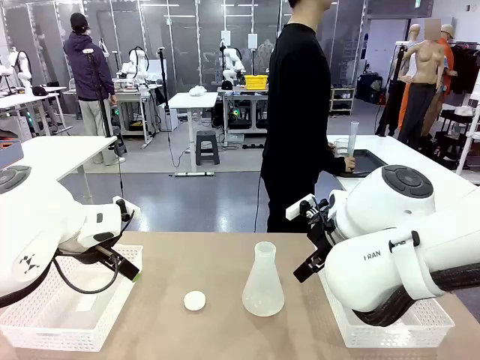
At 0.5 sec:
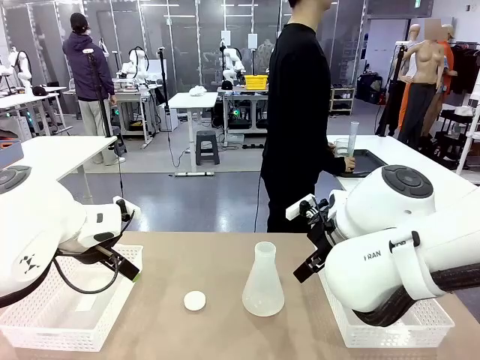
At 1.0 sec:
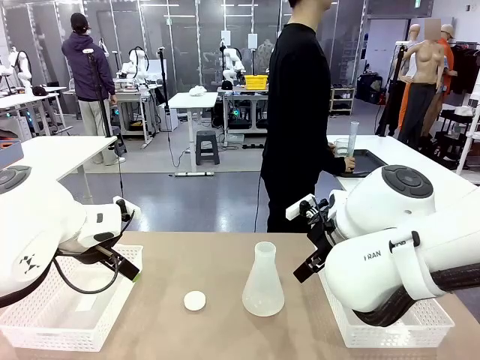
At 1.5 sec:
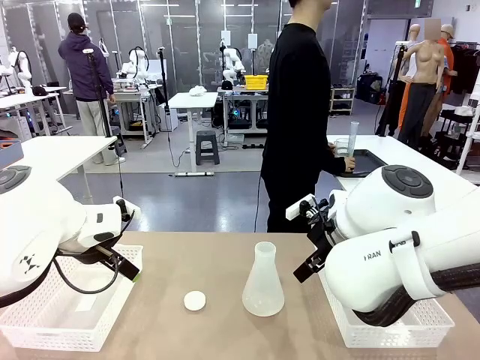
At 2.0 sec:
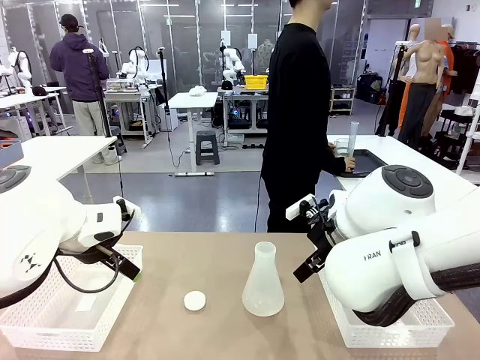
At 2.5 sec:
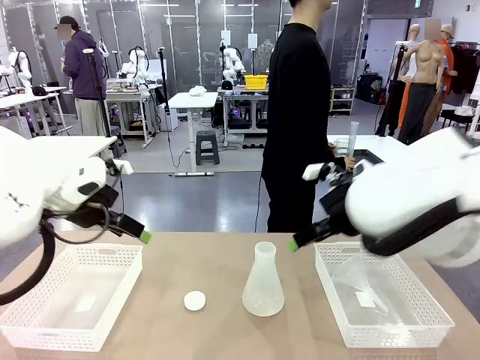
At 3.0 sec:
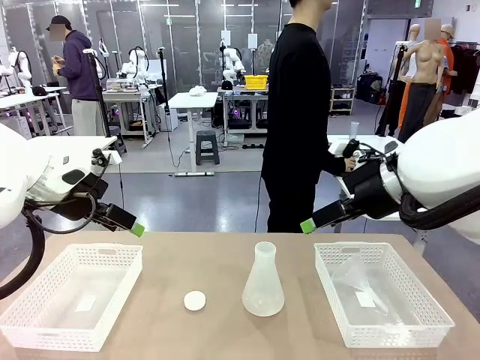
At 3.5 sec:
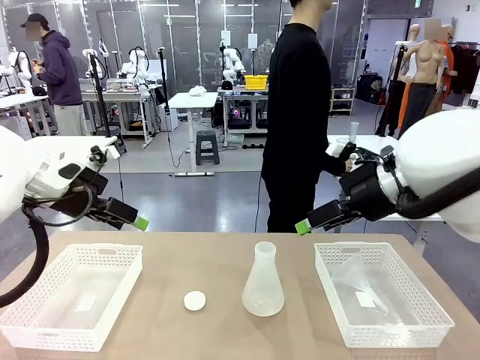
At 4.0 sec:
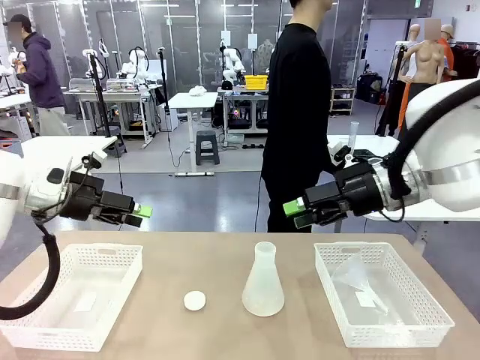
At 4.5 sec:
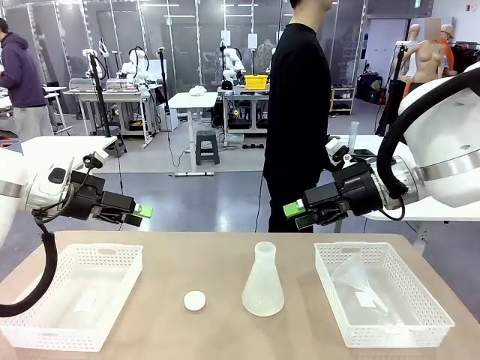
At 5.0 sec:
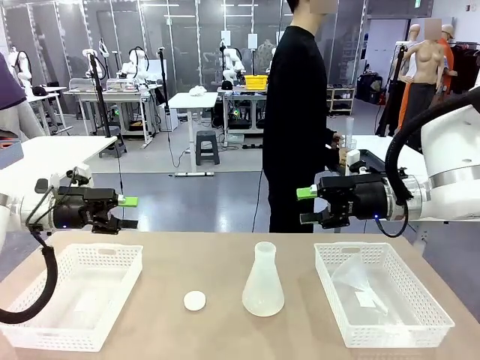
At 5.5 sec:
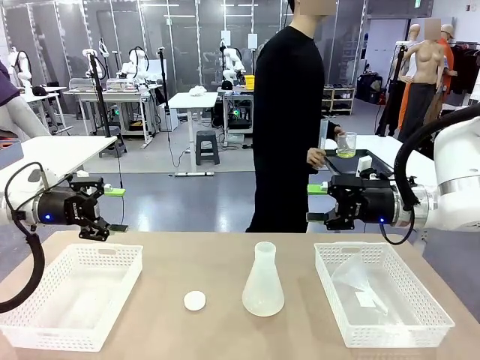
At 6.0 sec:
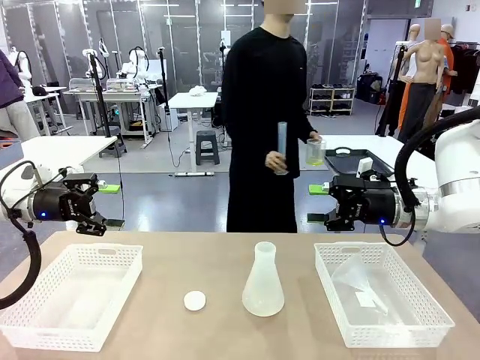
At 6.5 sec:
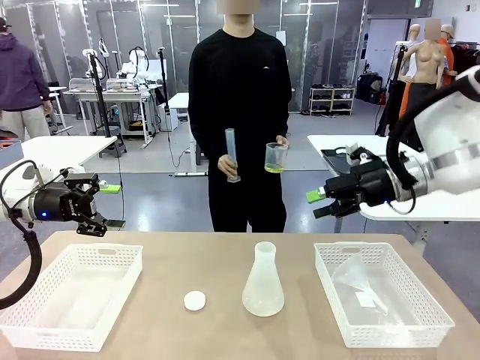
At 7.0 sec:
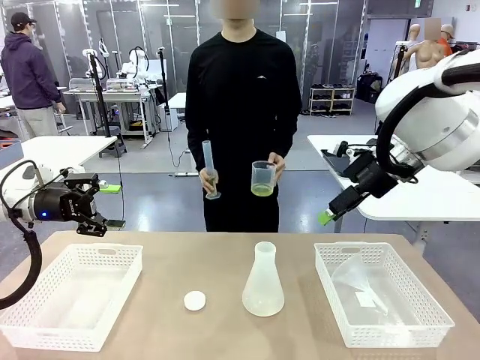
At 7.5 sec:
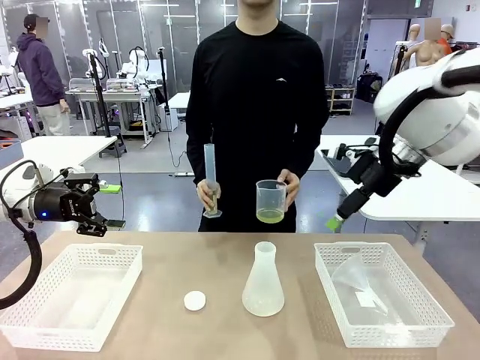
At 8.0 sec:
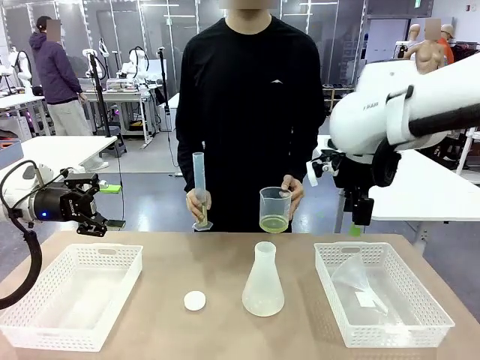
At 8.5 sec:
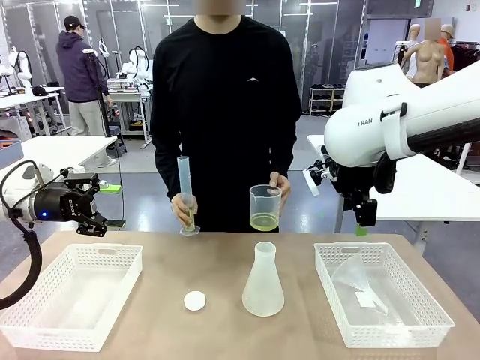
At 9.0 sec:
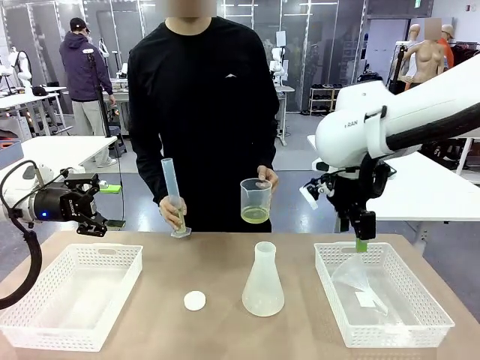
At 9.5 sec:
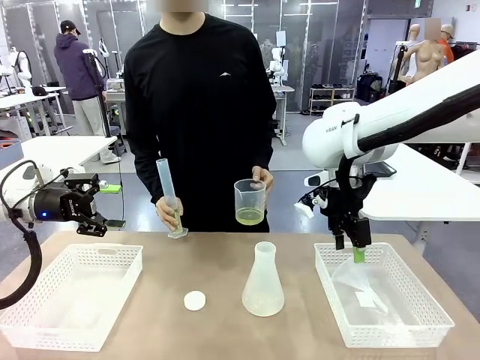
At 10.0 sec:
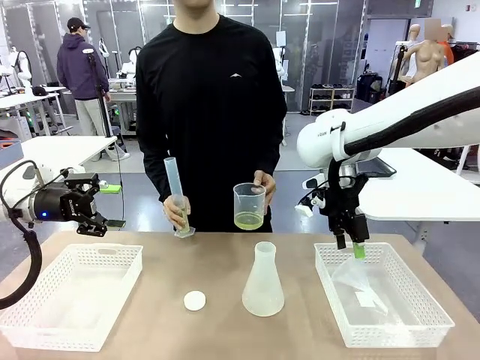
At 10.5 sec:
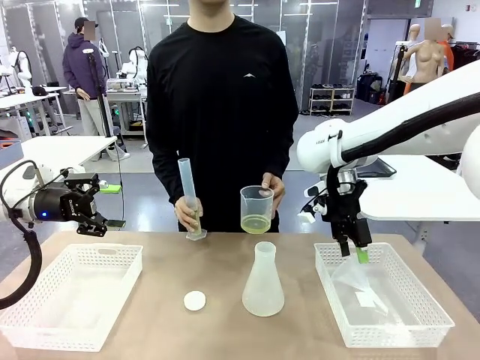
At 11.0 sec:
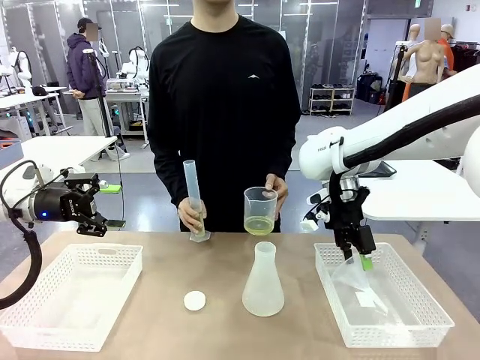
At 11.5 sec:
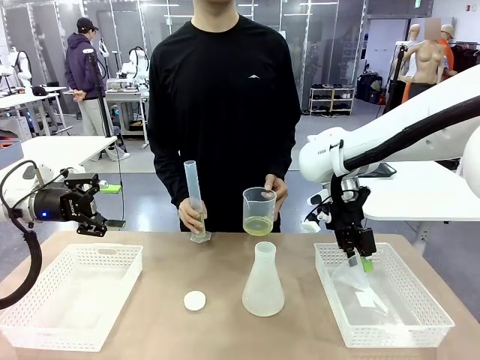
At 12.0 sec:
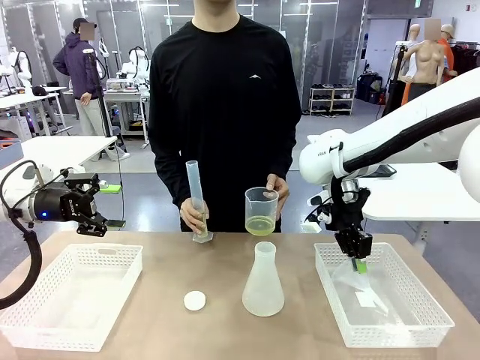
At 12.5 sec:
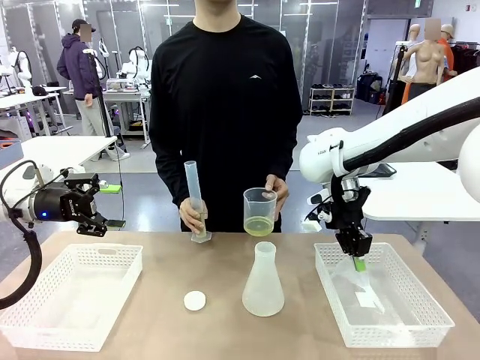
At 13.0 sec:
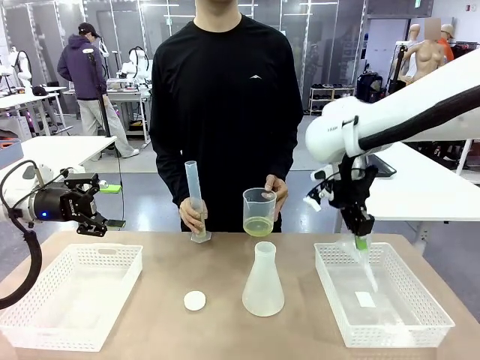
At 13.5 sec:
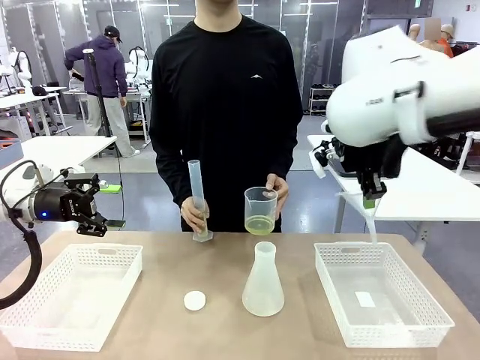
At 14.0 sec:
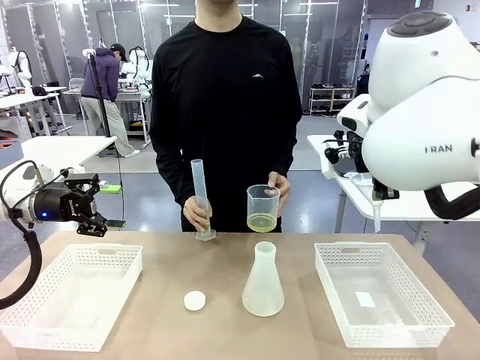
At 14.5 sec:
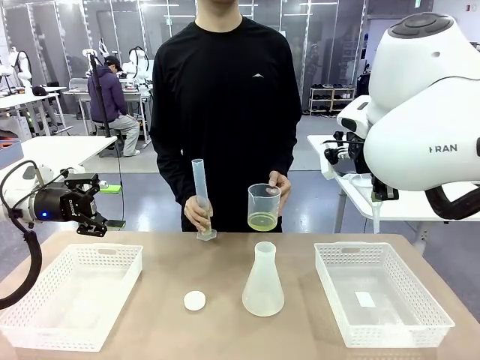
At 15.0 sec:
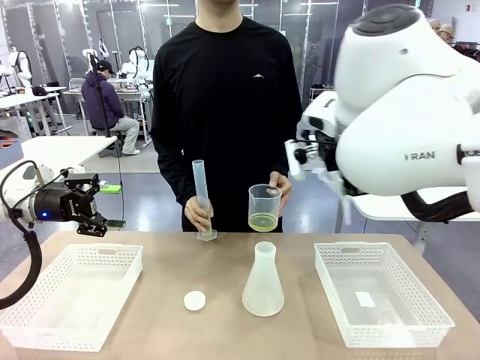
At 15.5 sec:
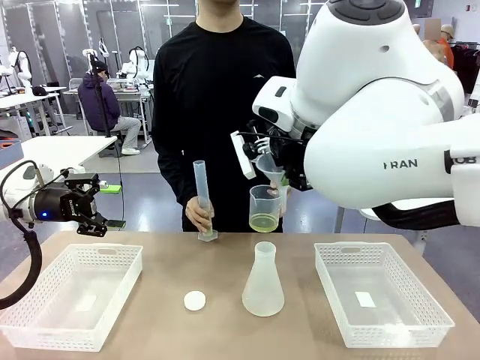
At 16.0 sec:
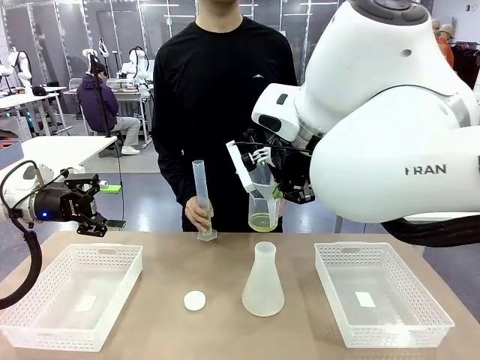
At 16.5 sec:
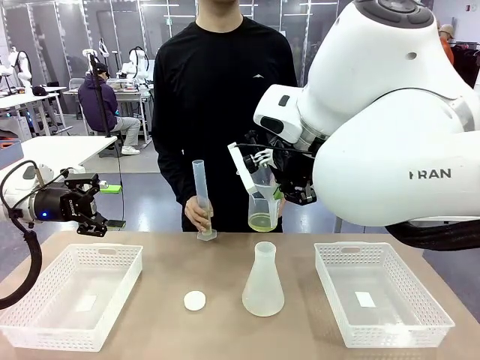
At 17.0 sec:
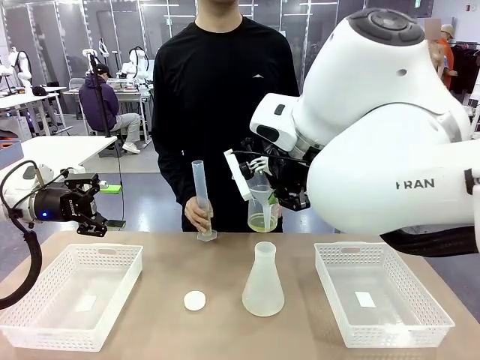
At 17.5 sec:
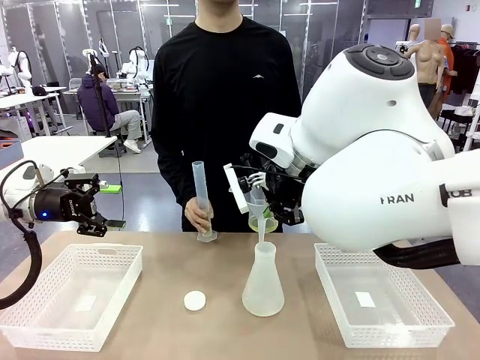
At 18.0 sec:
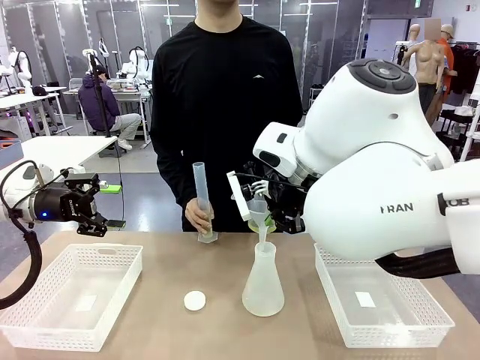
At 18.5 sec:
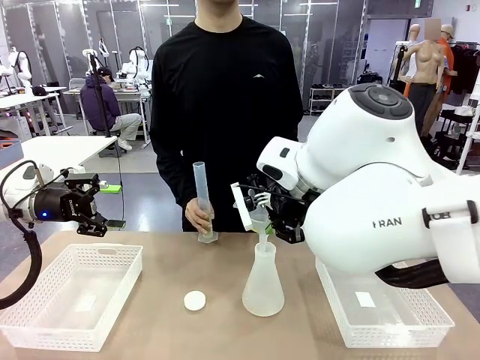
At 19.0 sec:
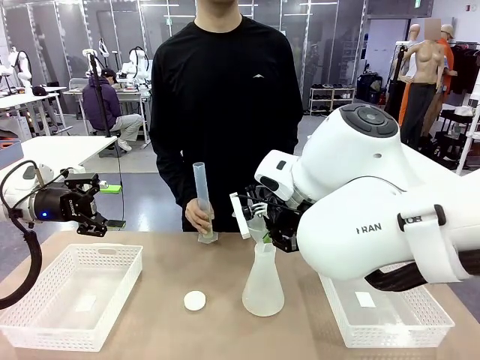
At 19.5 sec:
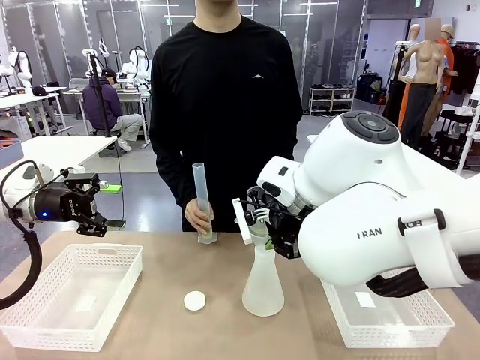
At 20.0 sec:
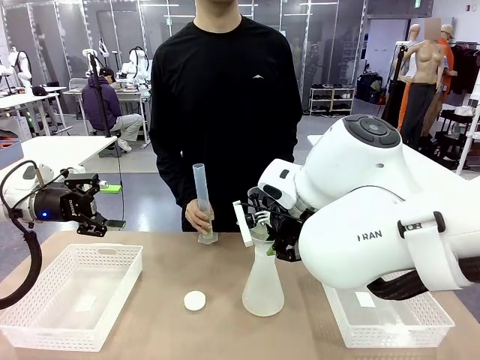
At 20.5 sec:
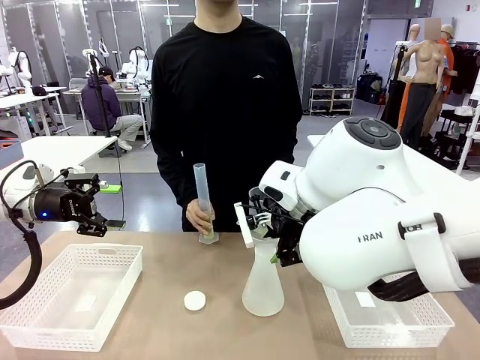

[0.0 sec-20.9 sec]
Task: Prepare the solutions needed for the experiment.
Robot: Pick up the Plastic Funnel and insert it into the Big flask.
Person: Pick up the beaker and the cylinder and move to the middle of the robot table. Pour the solution from the beaker and the cylinder into the flask.
